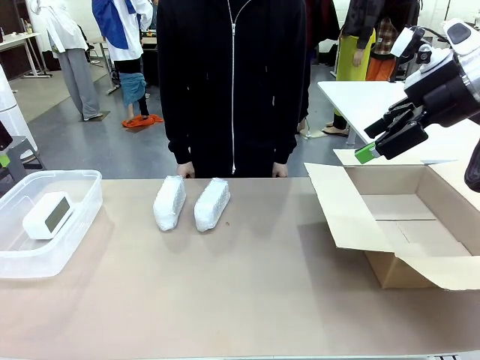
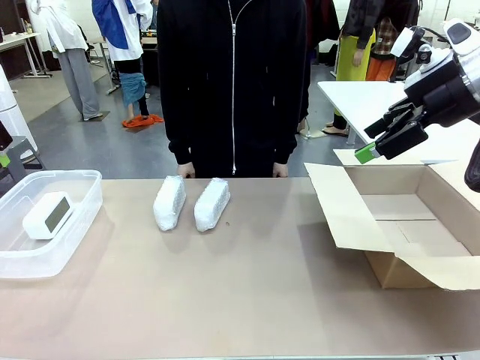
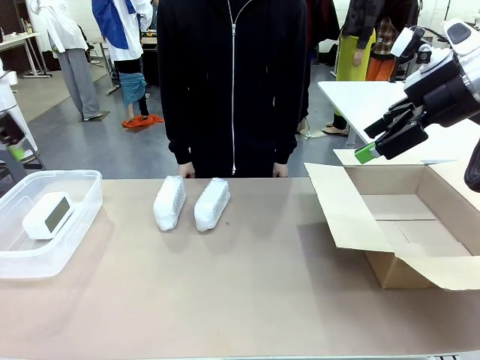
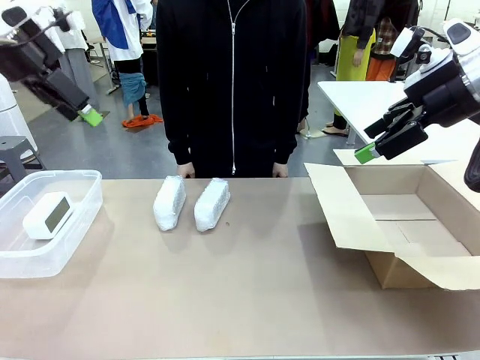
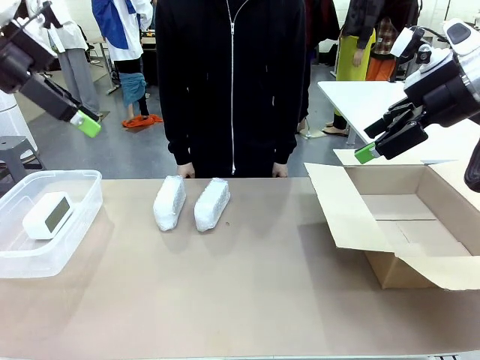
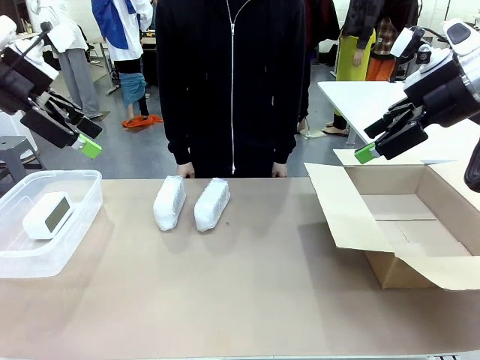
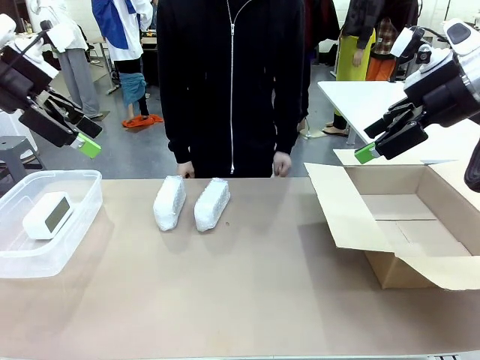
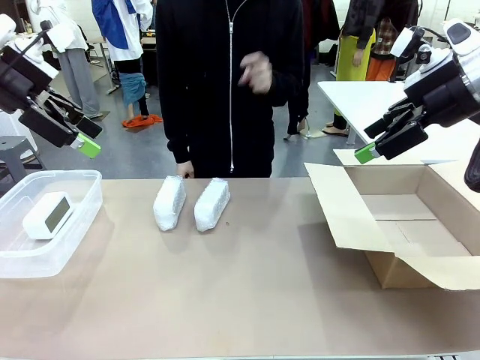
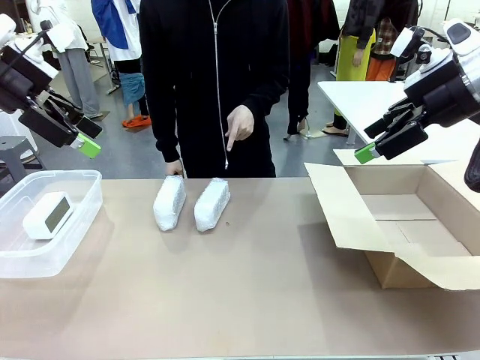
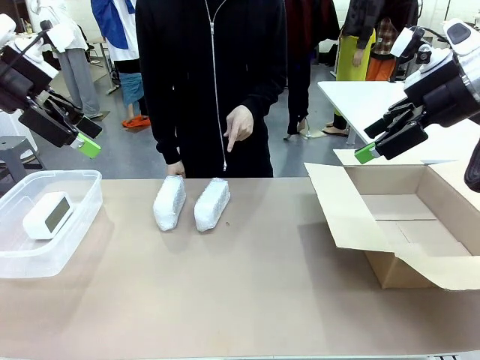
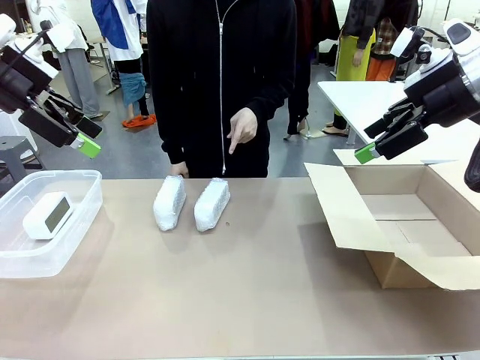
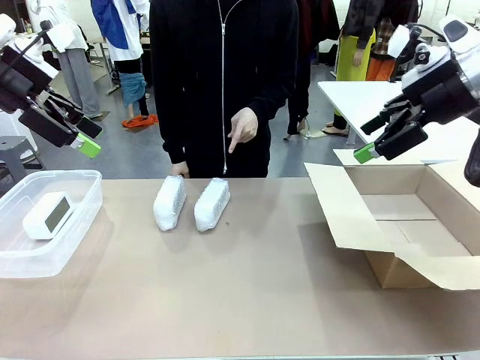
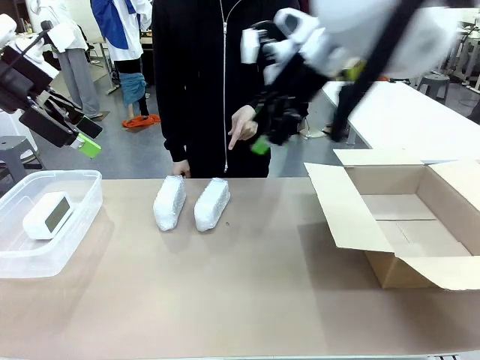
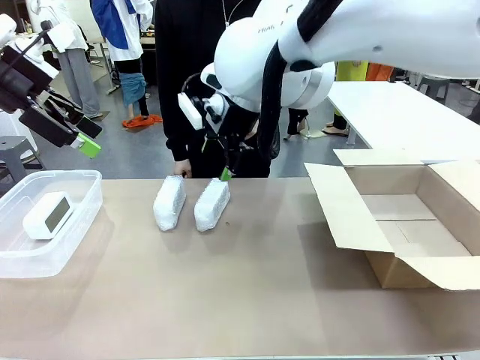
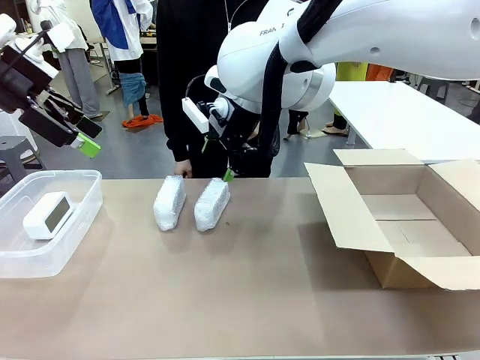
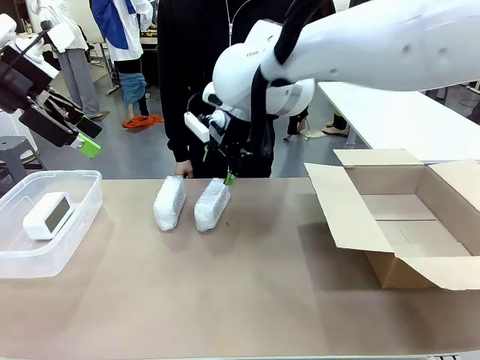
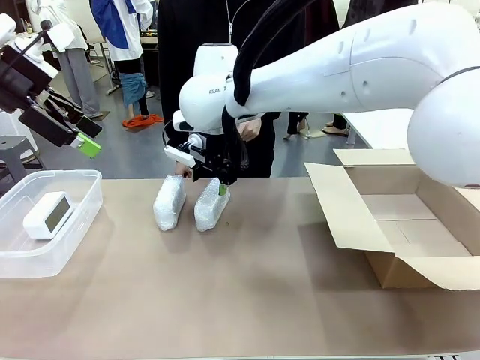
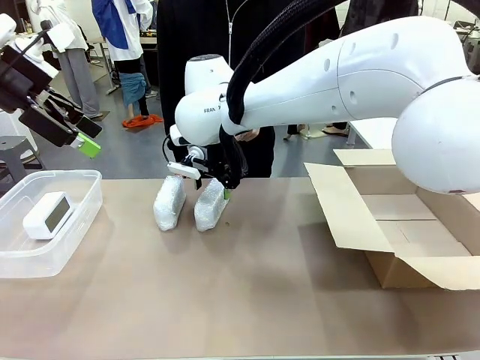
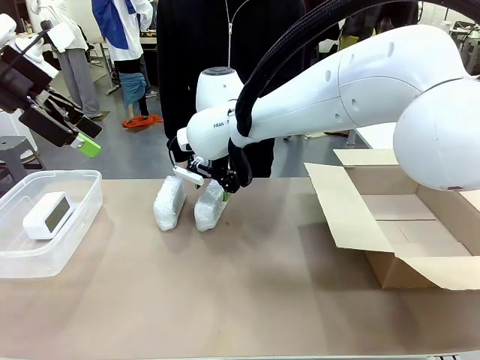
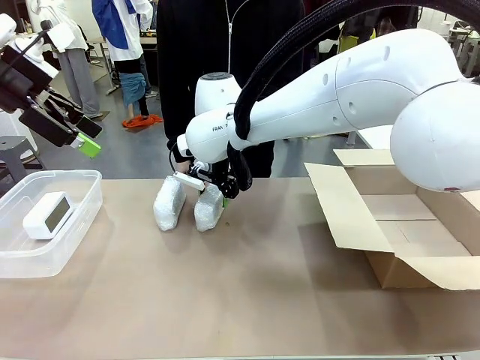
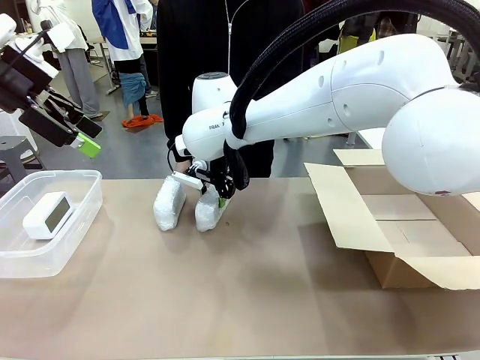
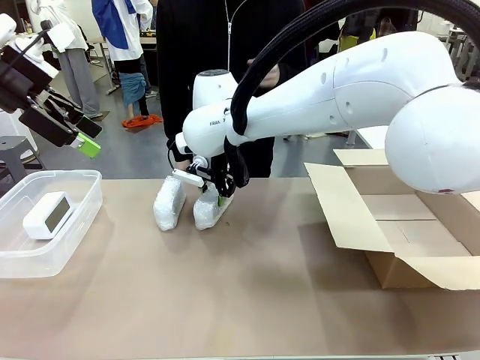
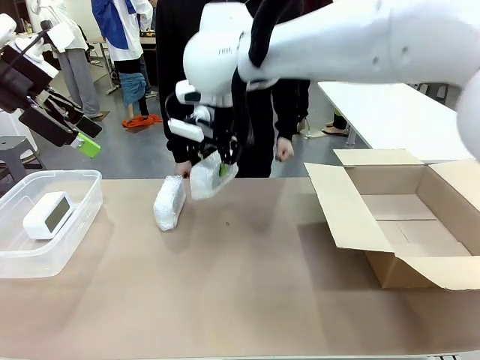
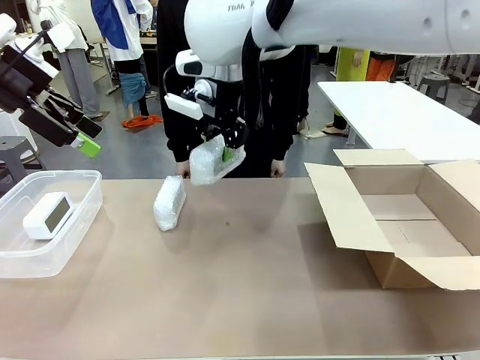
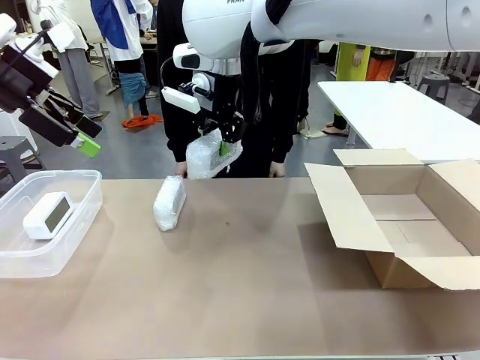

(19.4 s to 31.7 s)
Task: Separate and place wrapped and unwrapped clocks.
Robot: Pick up the Digital clock indicated by the person.

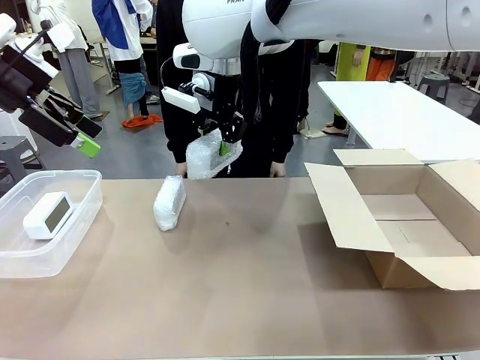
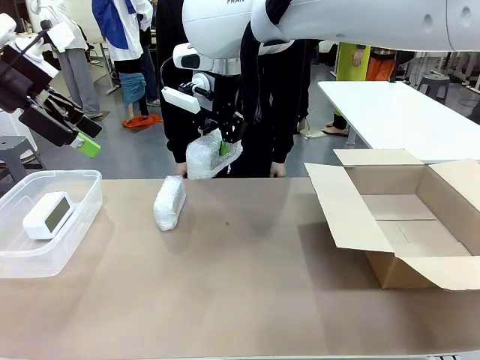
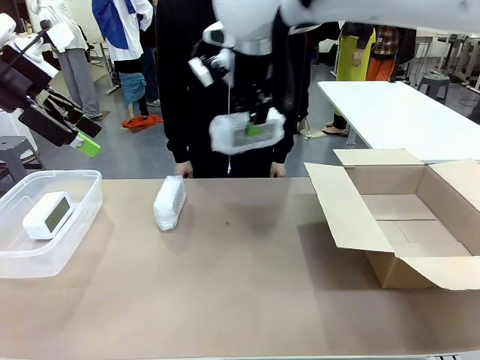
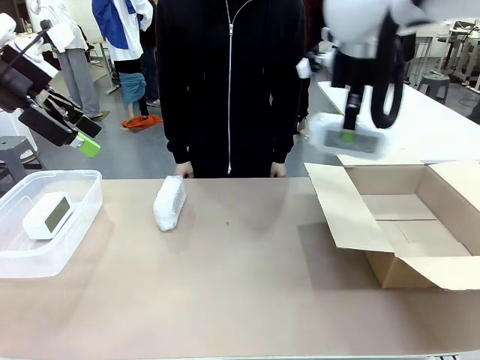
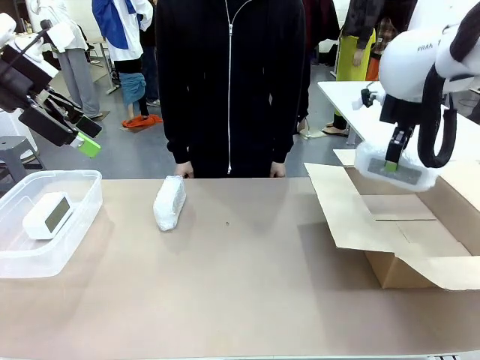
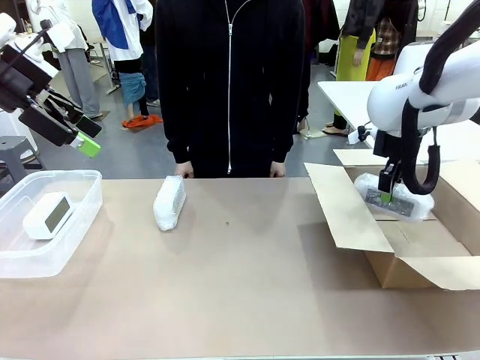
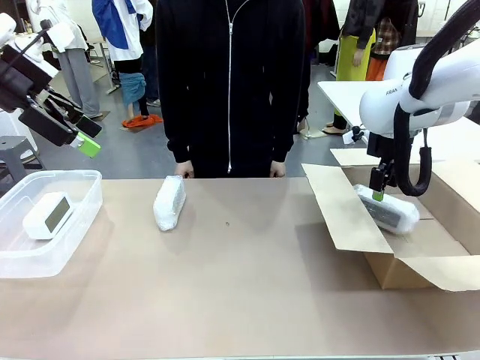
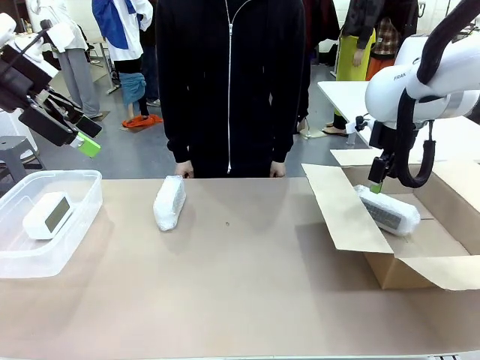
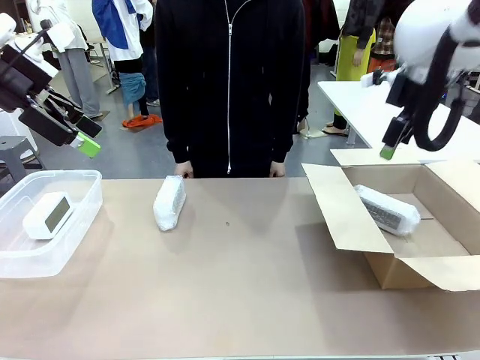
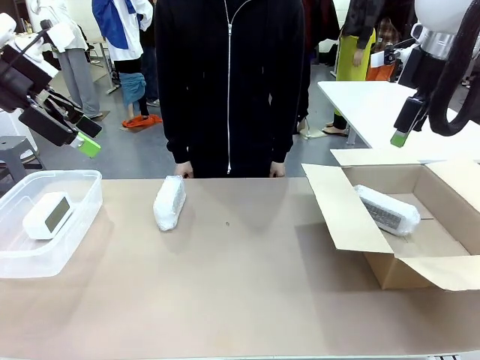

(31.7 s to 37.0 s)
Robot: If the picked Digital clock is wrapped, place it in the Package Box ; if not, place it in the Organizing box.

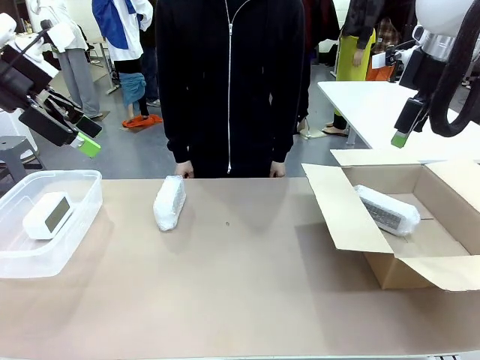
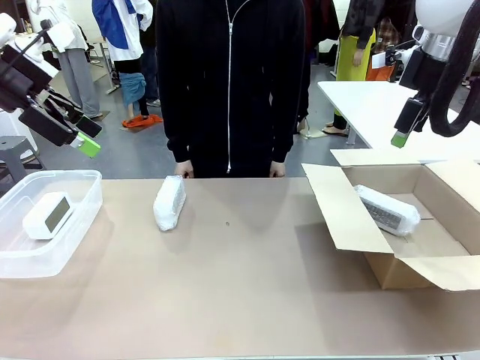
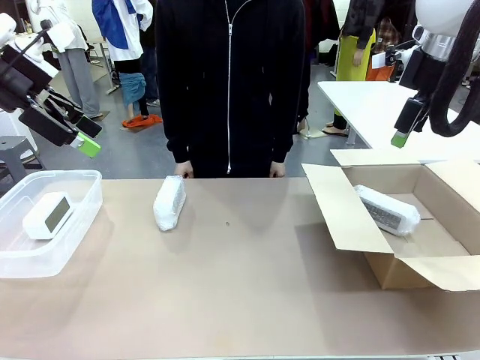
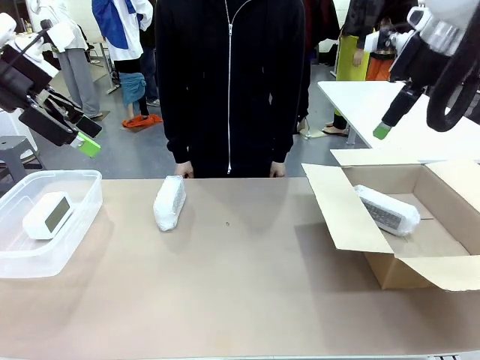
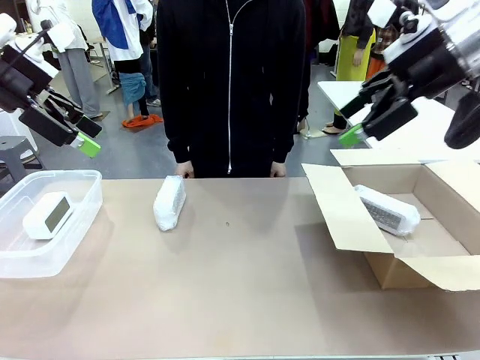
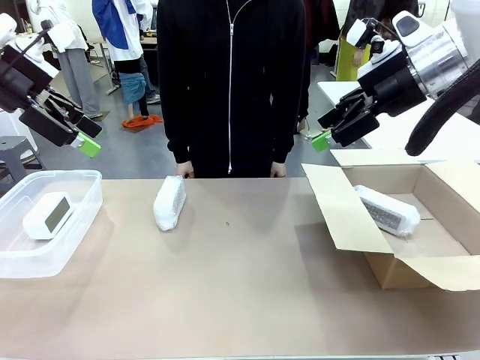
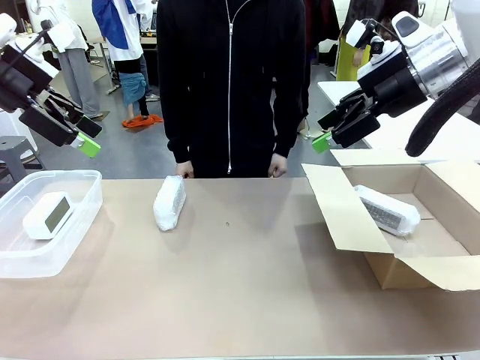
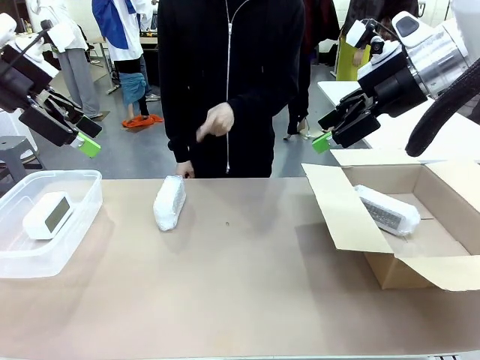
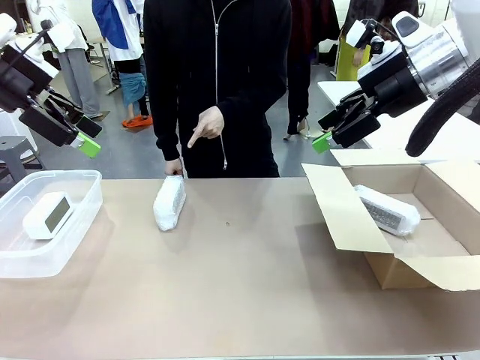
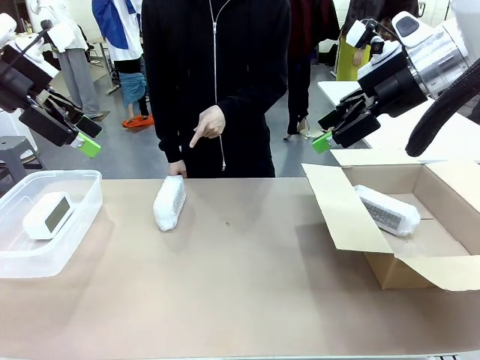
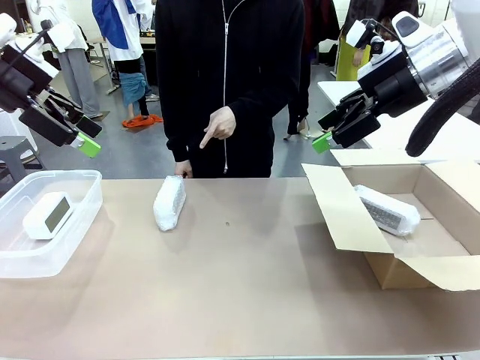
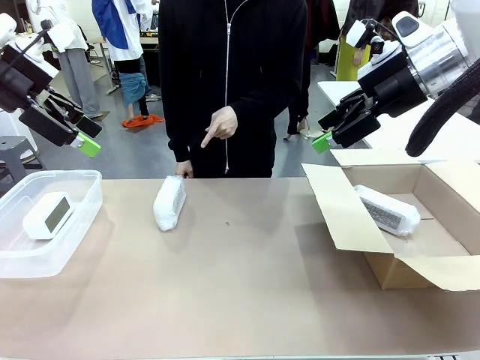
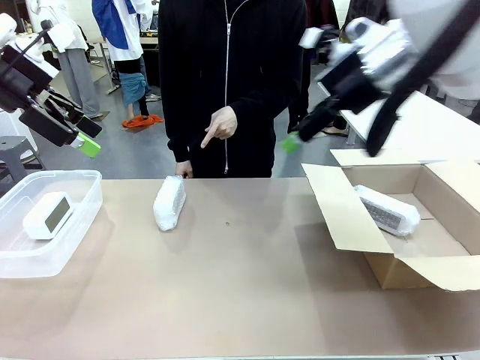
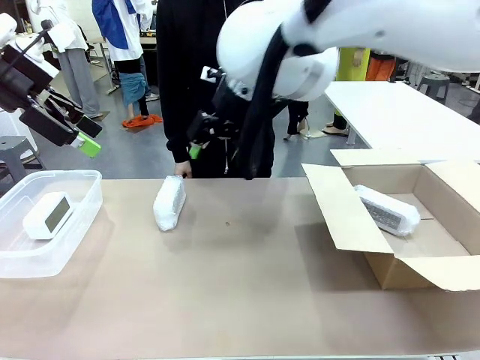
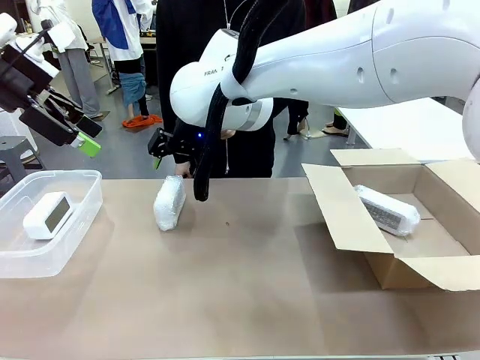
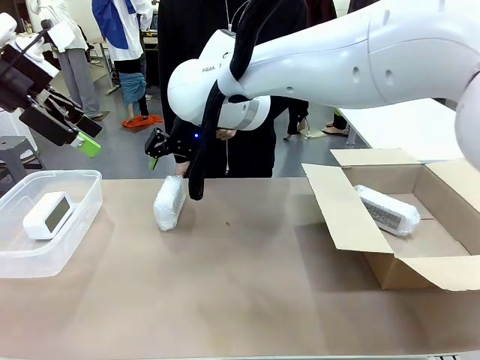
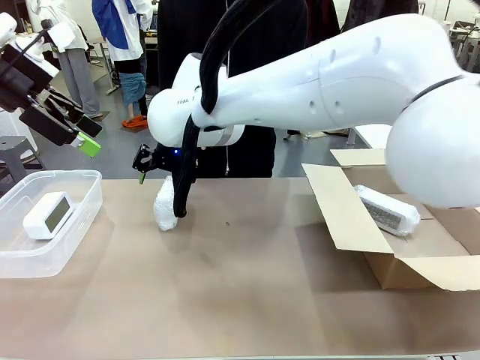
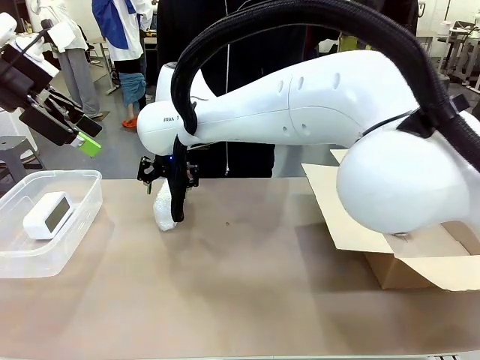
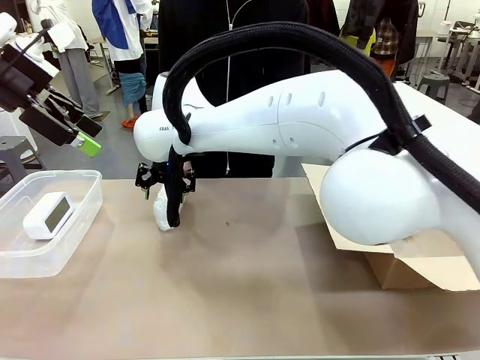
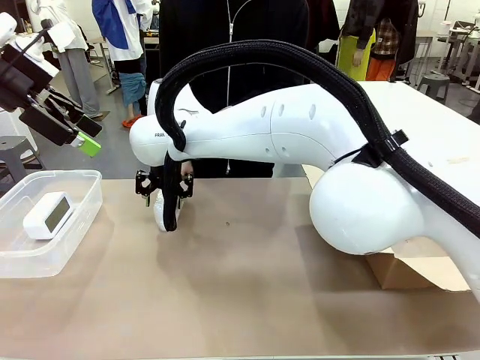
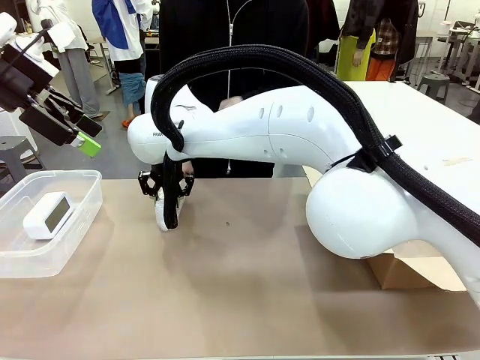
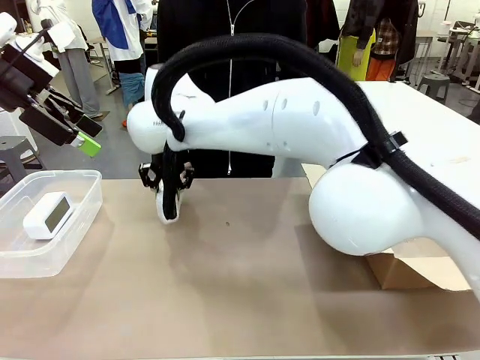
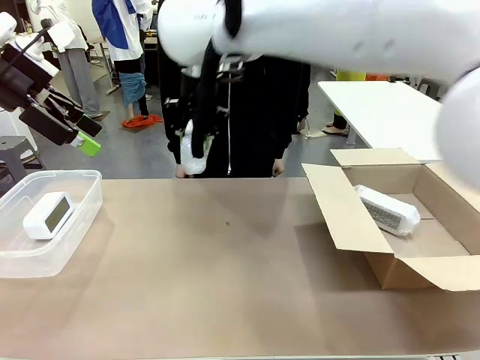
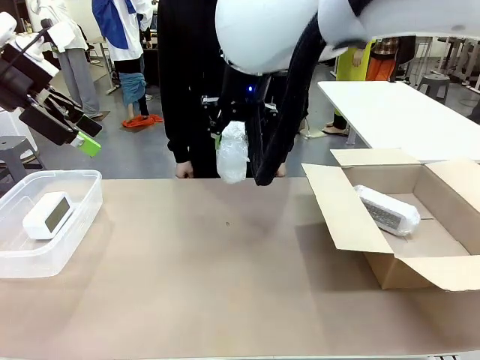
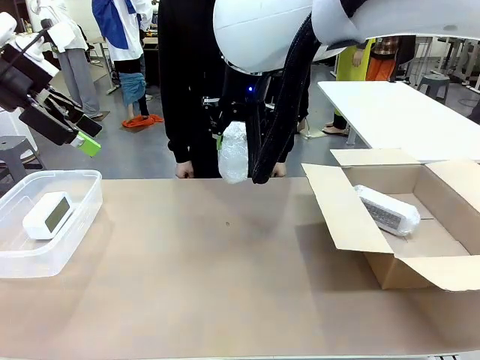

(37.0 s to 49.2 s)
Robot: Pick up the Digital clock indicated by the person.
